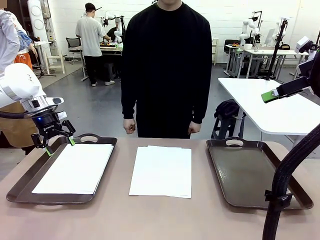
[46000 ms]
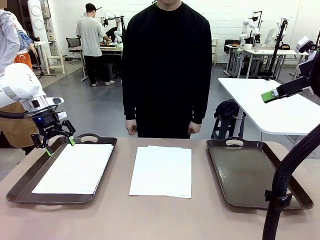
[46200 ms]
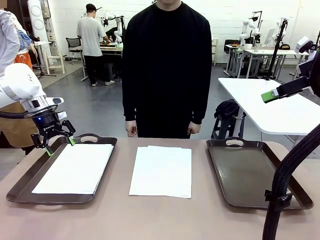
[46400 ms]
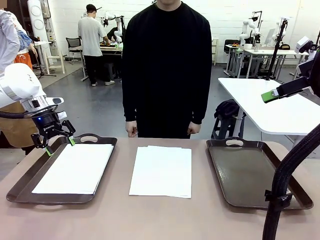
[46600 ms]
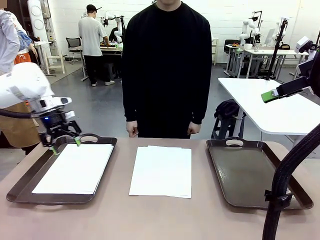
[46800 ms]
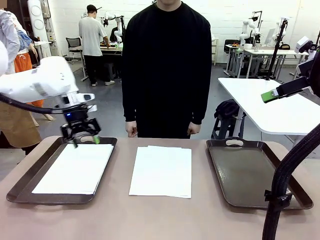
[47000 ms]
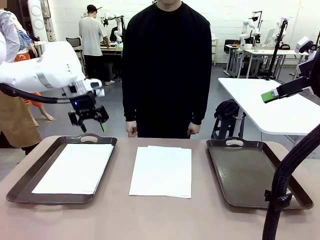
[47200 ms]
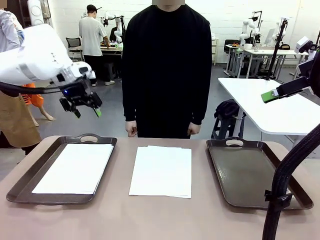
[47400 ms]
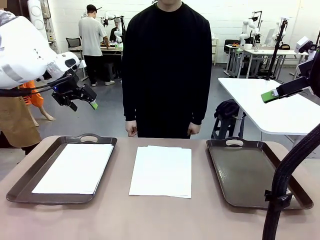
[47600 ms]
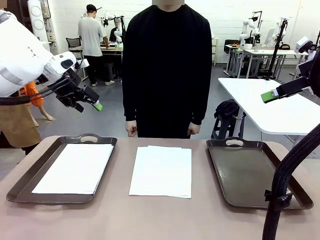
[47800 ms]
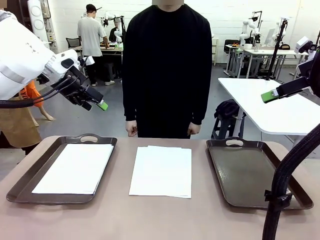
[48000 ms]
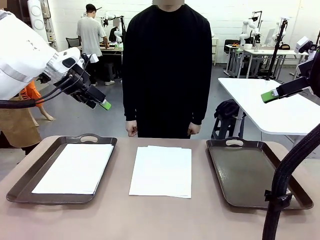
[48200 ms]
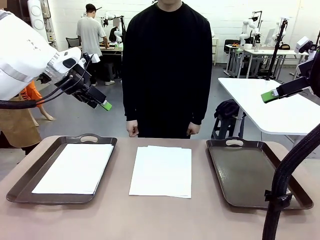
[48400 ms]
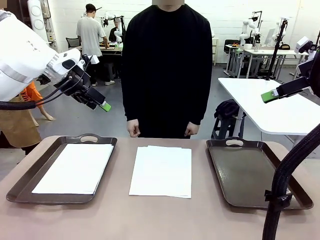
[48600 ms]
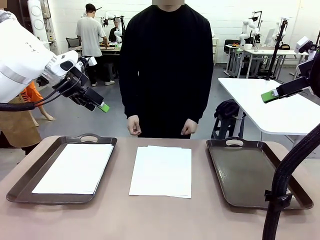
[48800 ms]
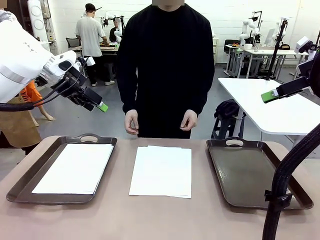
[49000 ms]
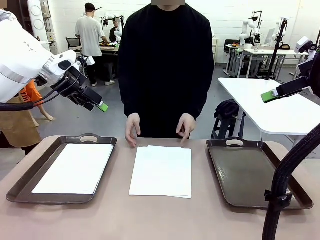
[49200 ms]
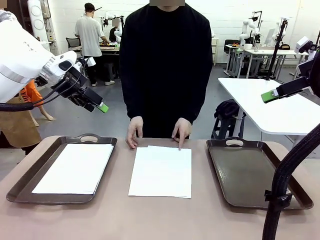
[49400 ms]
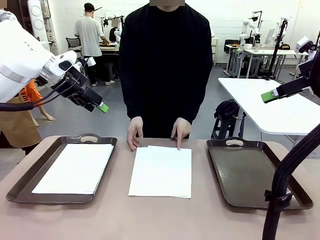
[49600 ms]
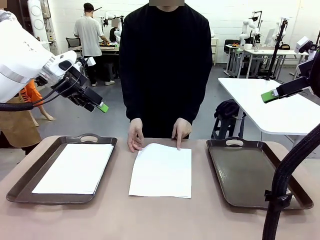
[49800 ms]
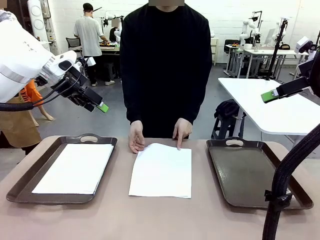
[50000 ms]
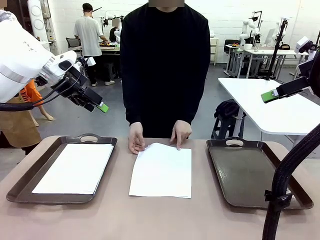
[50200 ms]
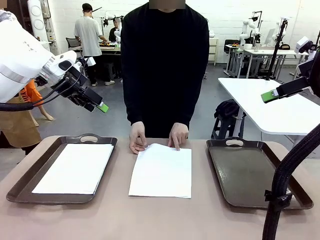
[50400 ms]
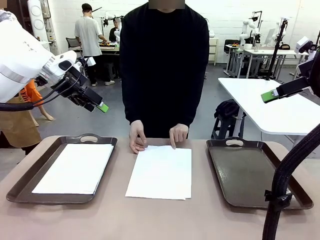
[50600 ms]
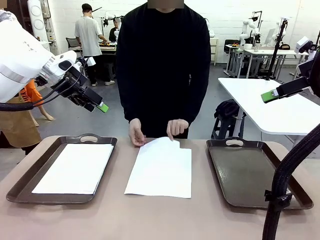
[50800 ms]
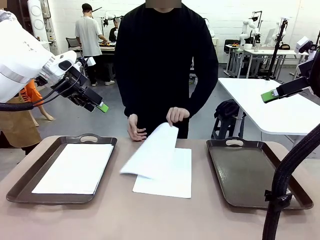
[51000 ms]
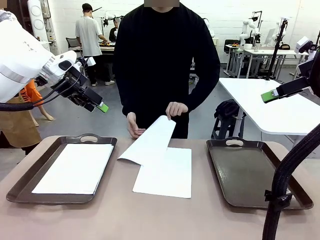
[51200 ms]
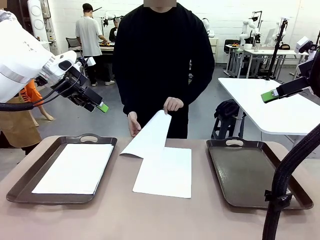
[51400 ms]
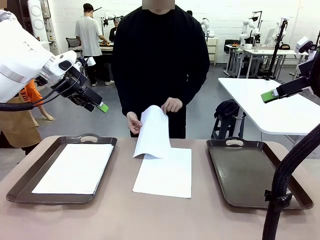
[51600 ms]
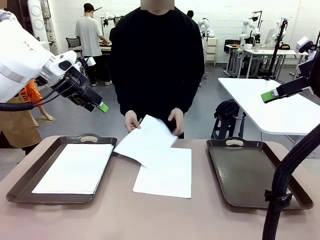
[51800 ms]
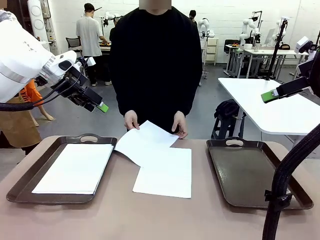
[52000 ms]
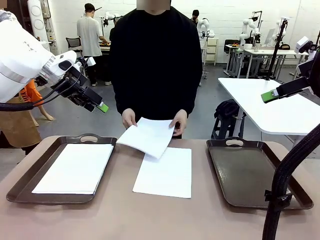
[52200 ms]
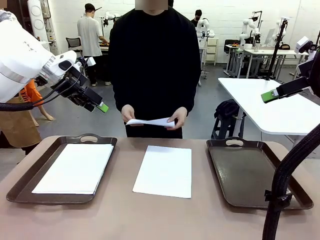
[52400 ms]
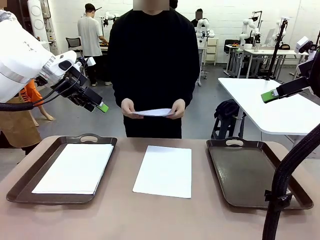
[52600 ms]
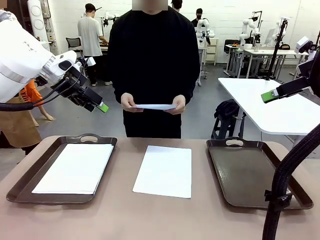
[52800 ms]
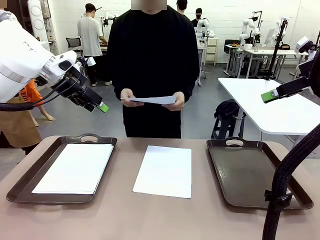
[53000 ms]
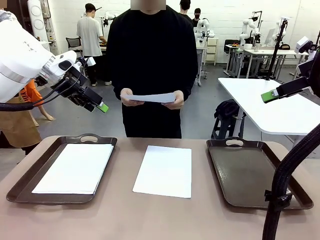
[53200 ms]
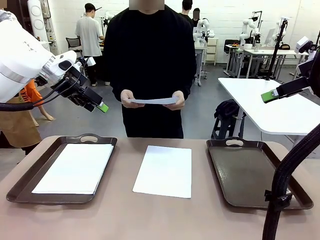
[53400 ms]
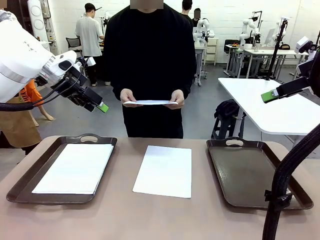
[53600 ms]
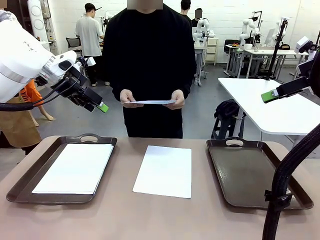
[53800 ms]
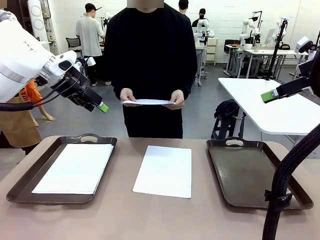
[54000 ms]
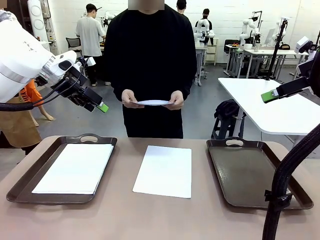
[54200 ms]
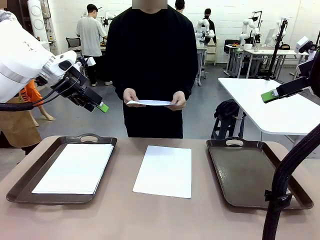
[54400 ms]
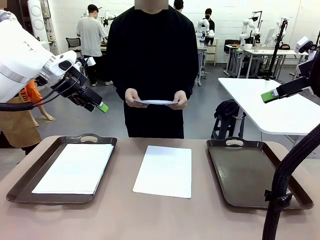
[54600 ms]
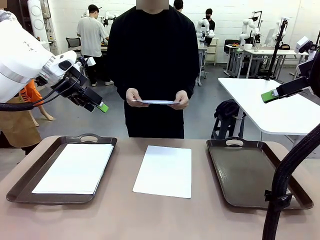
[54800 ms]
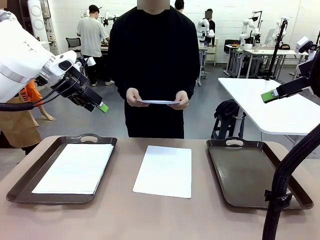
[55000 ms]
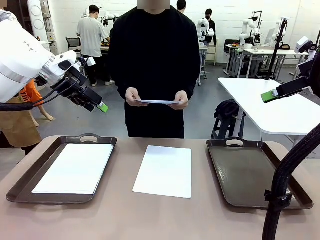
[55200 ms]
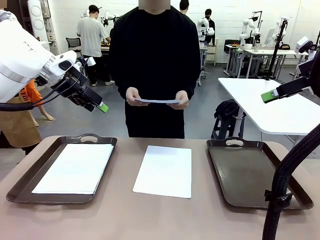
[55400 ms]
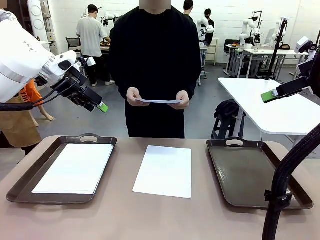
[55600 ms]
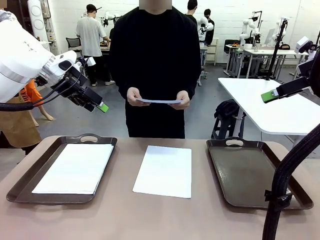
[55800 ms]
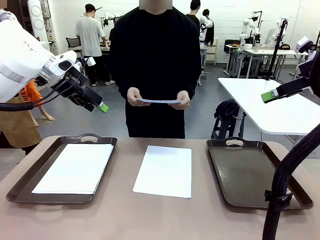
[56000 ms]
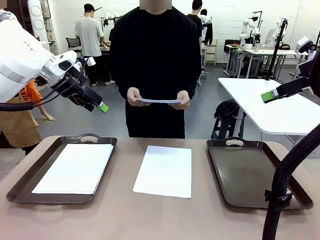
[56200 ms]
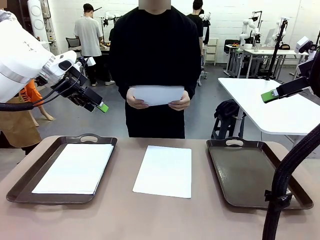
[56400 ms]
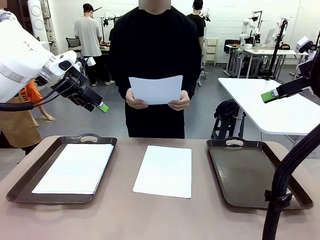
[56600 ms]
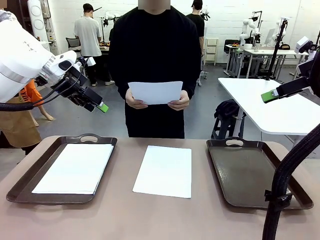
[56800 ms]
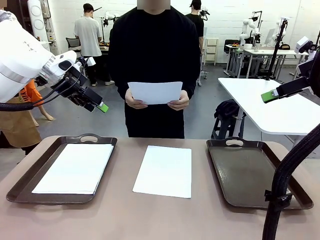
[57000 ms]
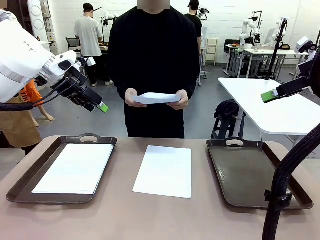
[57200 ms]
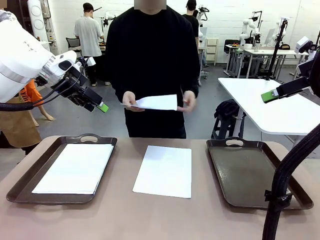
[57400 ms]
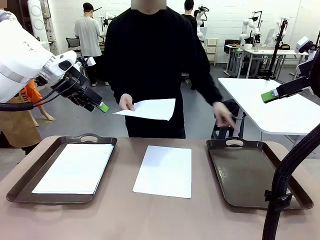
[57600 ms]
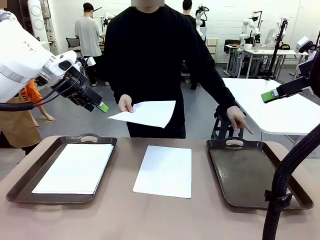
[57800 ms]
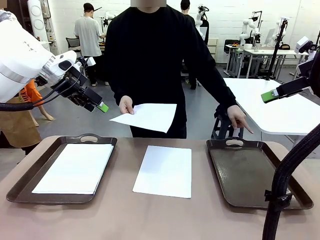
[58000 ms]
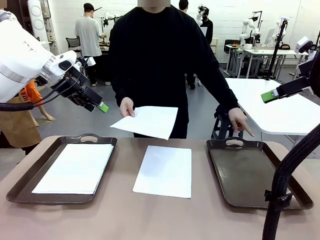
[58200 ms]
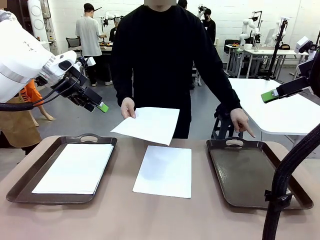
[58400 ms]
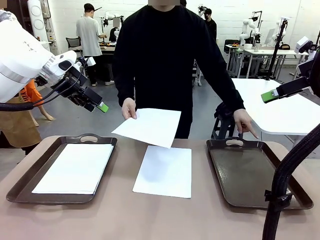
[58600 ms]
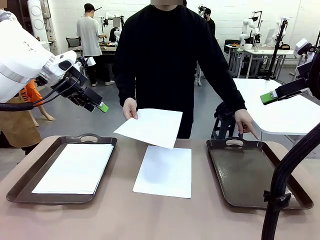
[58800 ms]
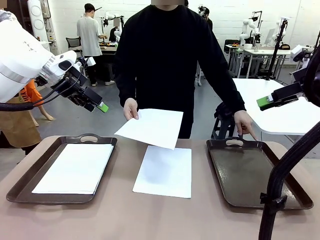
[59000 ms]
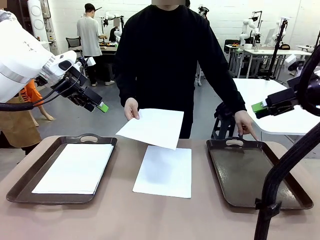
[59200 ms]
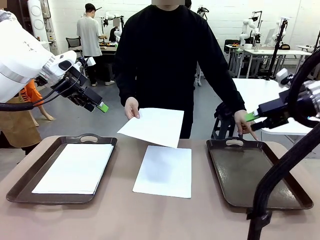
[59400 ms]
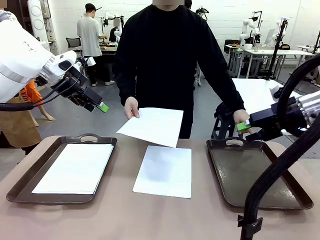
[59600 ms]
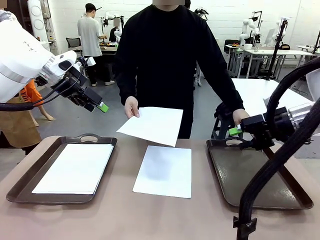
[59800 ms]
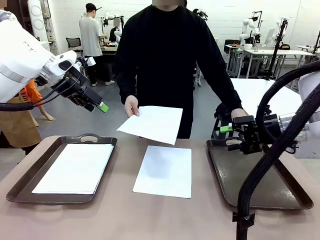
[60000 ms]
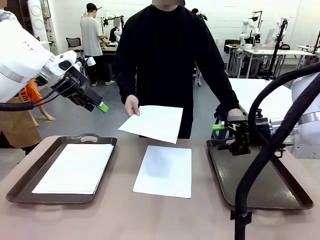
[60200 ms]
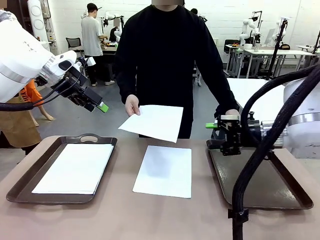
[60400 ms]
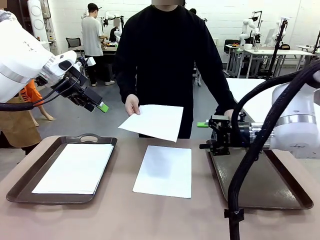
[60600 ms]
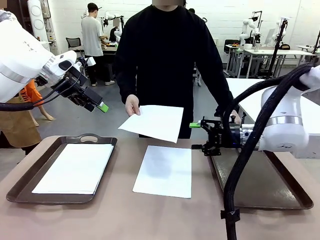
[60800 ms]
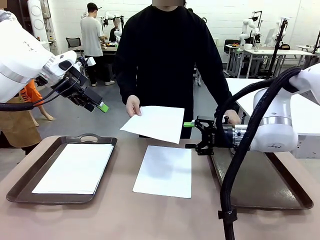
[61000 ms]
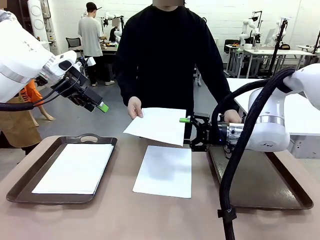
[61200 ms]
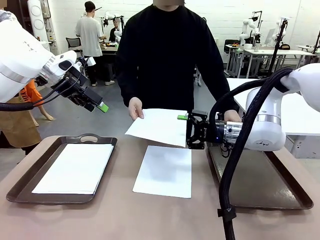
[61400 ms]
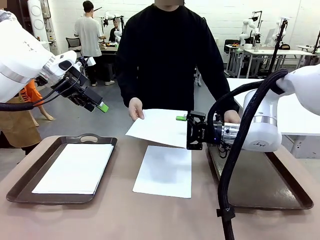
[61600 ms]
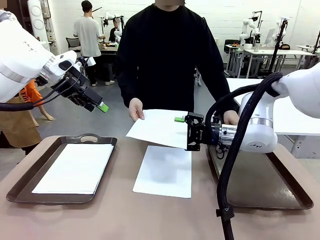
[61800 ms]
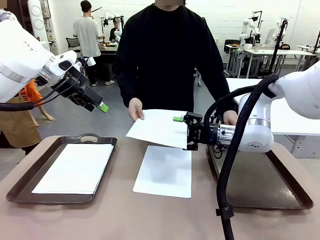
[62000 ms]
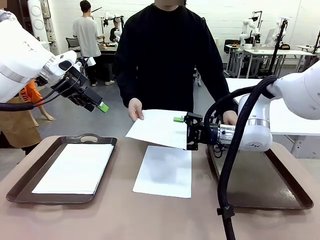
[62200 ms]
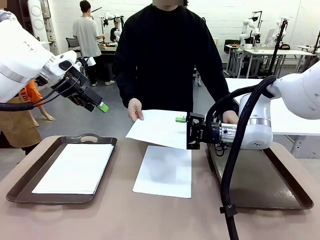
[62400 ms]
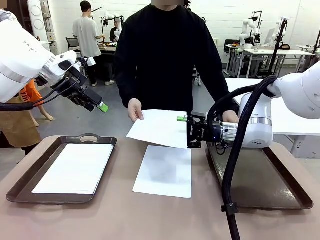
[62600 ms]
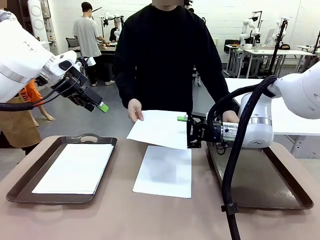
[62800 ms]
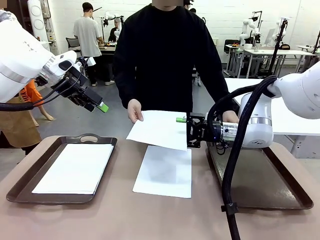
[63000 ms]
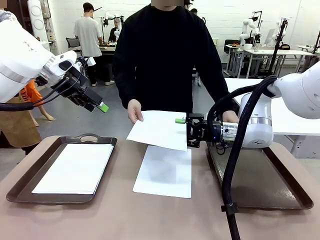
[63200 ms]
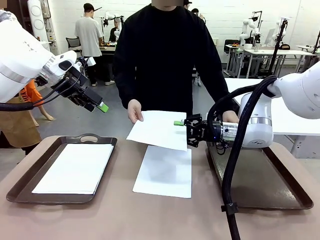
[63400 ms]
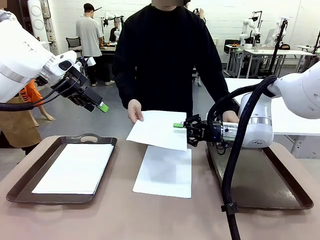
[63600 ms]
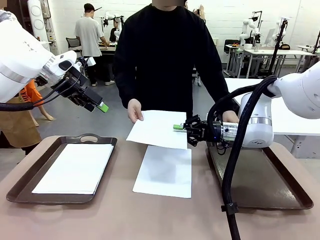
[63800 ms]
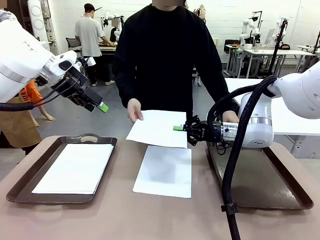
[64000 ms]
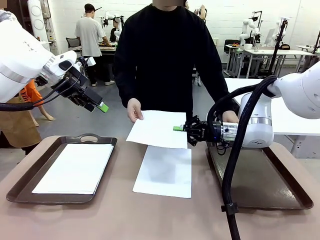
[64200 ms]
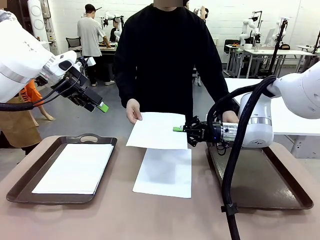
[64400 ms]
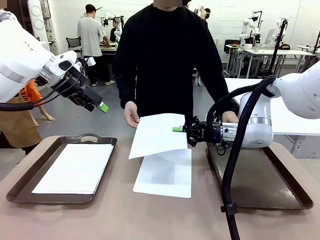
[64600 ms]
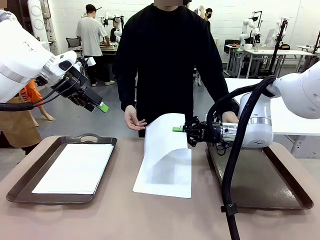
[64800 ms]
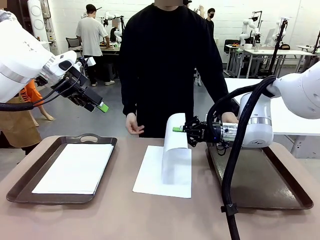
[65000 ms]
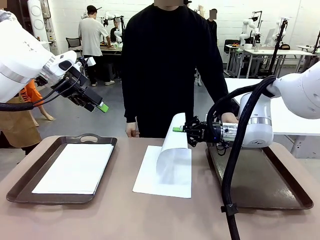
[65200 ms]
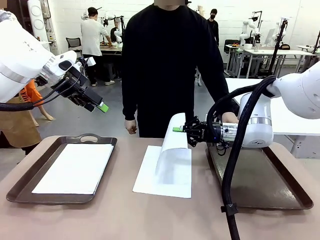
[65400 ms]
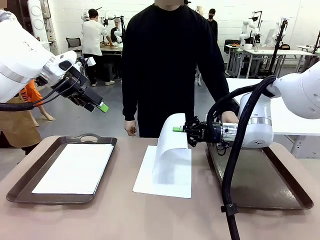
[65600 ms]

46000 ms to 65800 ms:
Task: Sort the A4 documents.
Robot: Receive the A4 Paper.
Person: Point the randomly selected tray with the other hand.
